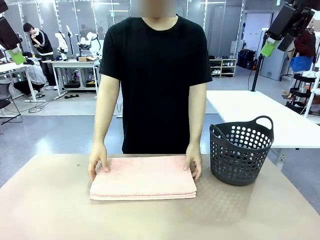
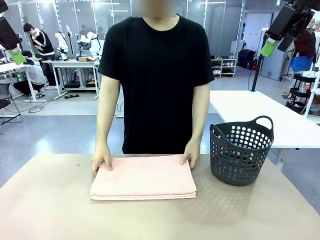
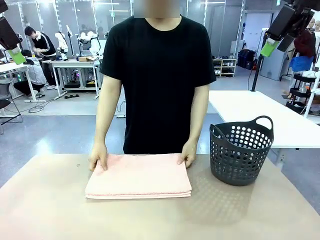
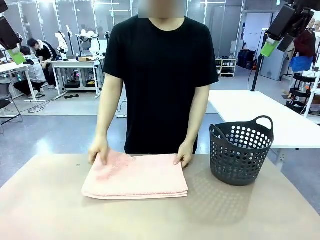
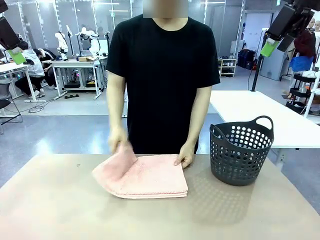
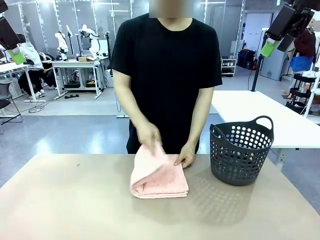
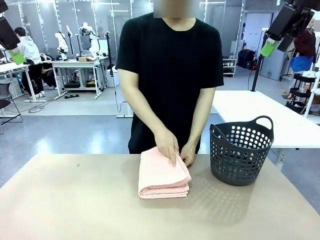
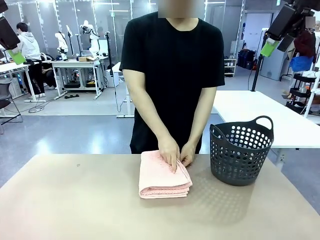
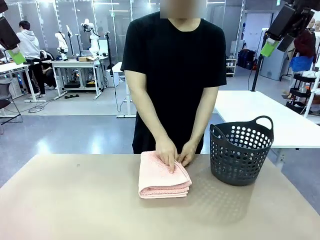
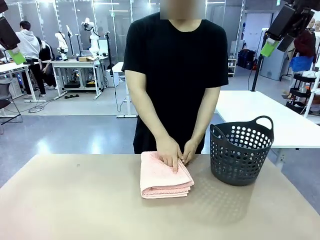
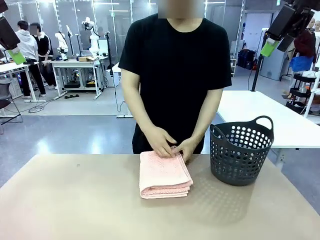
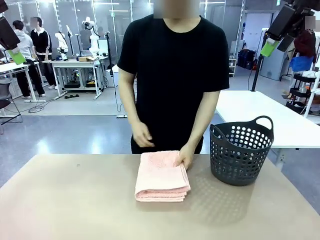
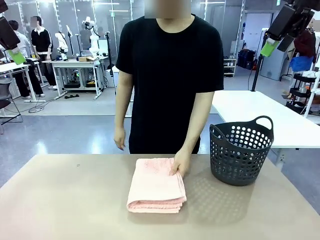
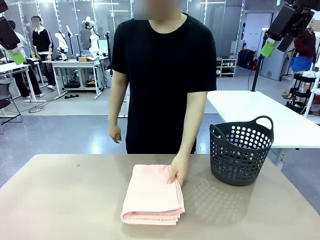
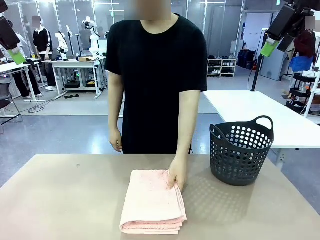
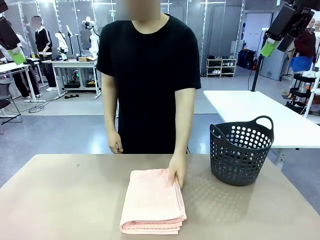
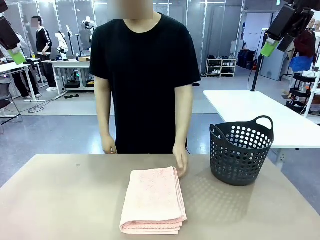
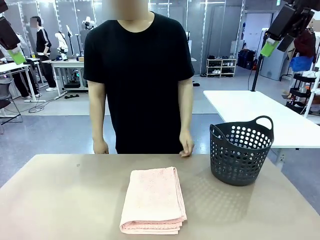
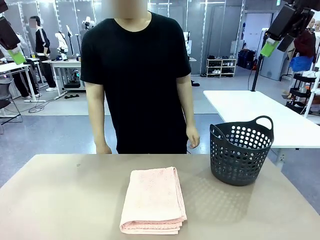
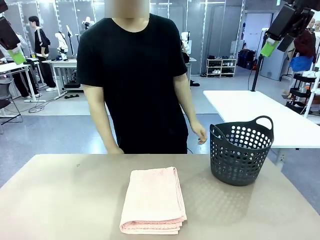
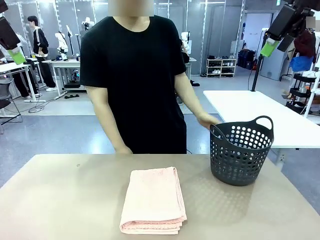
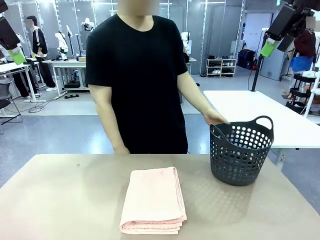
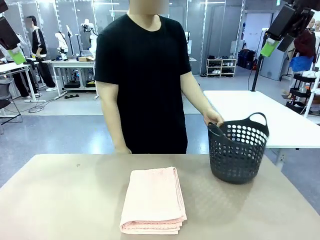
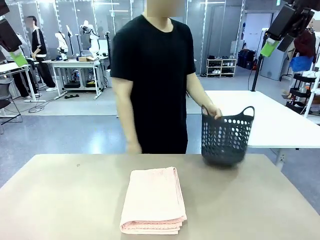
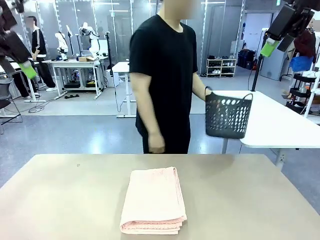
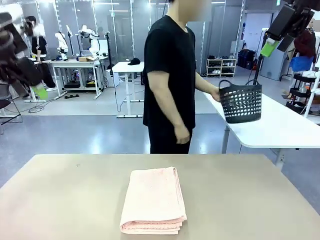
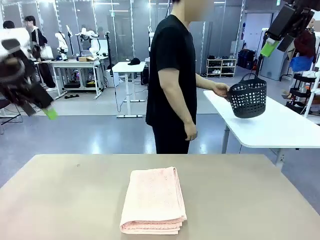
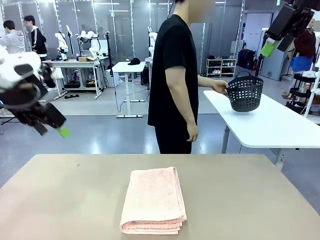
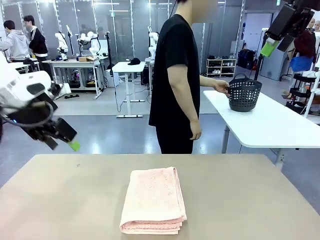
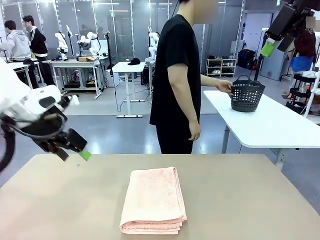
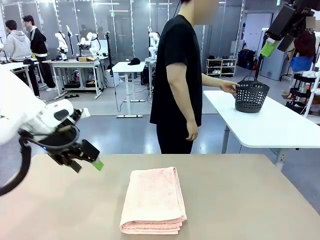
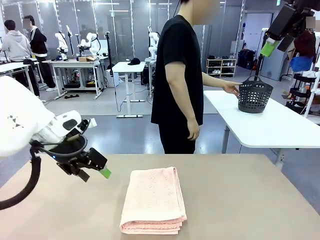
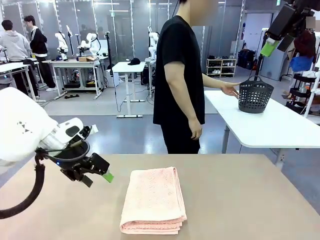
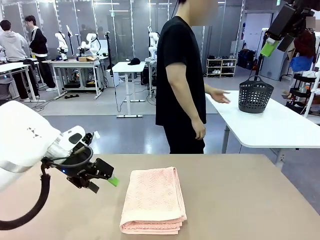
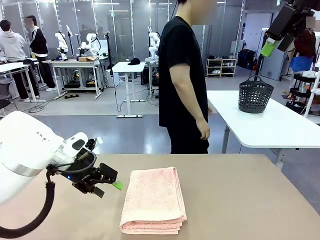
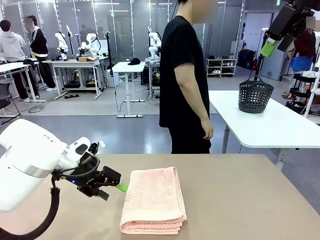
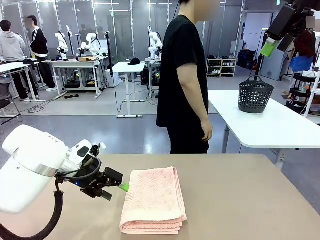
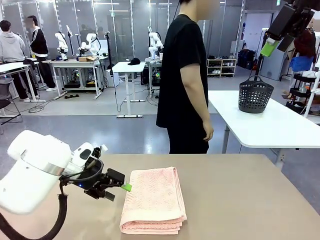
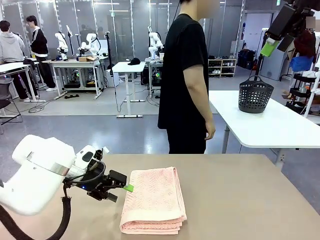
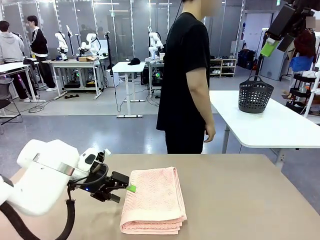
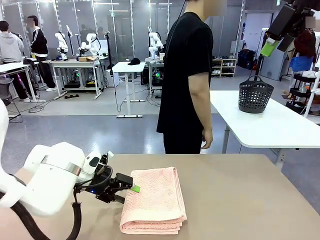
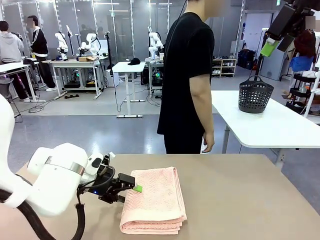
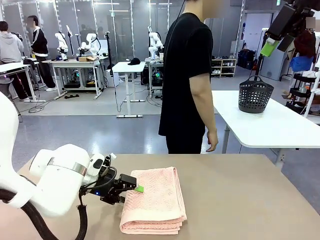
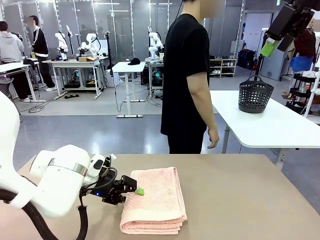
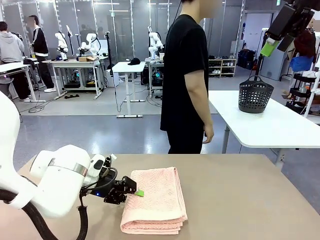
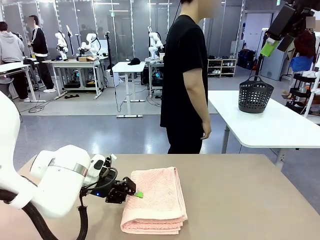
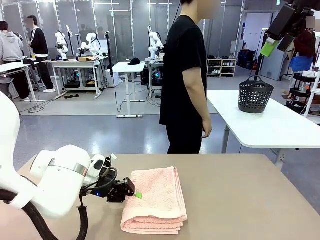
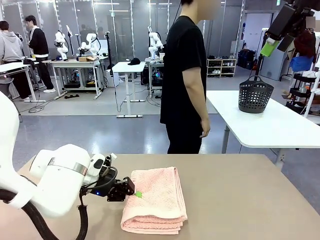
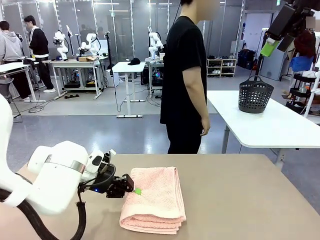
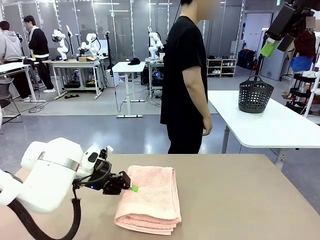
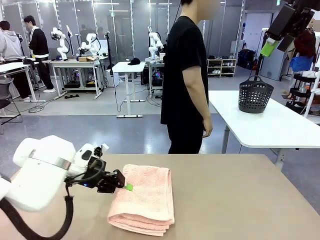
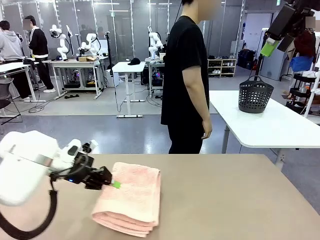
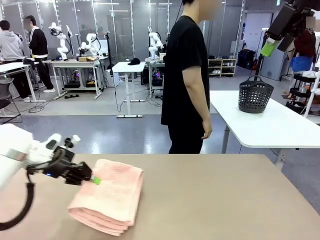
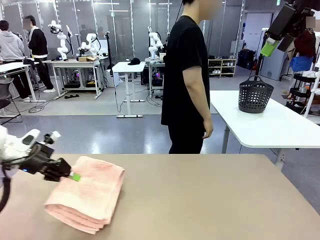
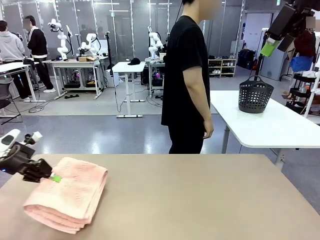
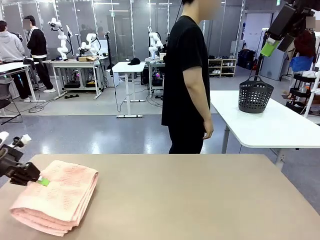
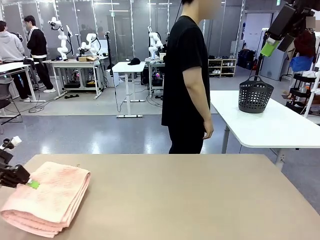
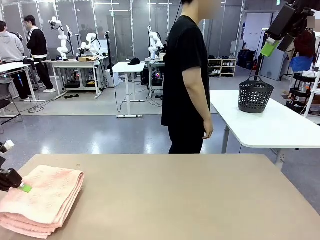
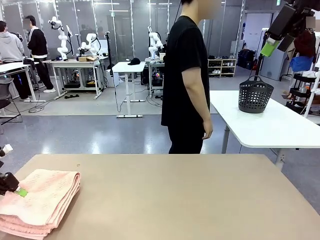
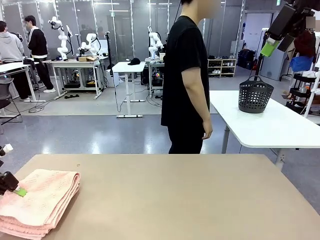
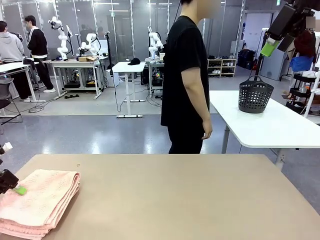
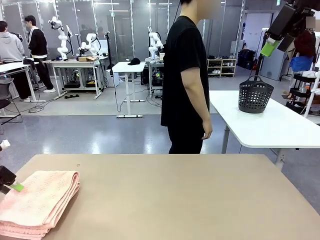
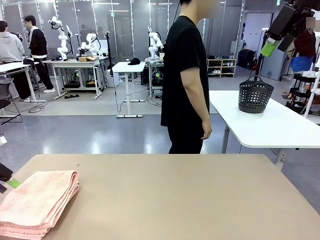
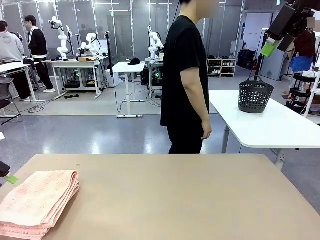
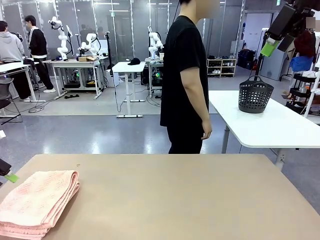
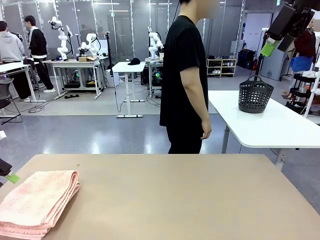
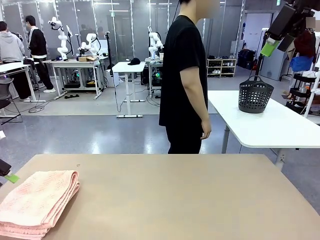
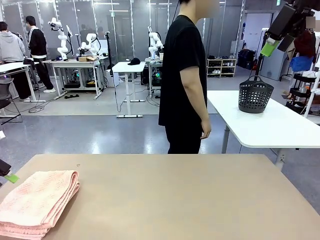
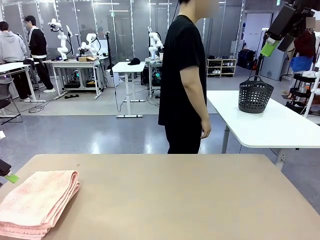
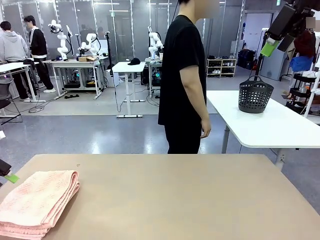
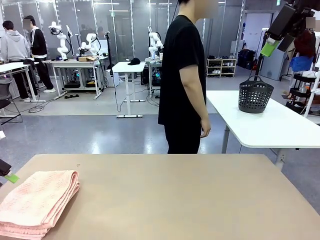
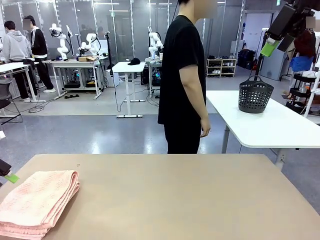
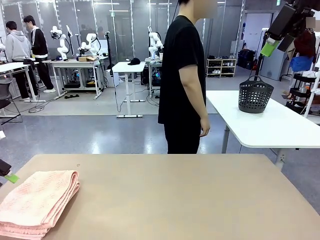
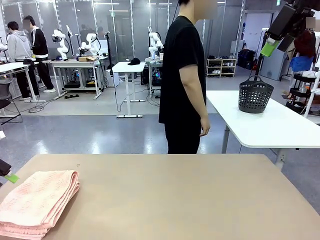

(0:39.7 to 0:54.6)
Task: Fold the towel.
Robot: Pick up the 100 cm Hotel Towel and place it on the left side of the table.
Person: Pick up the laundry basket and place it at the center of the human table.

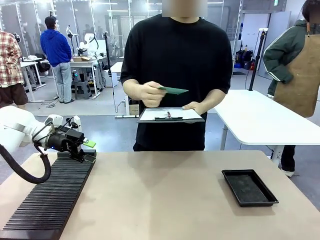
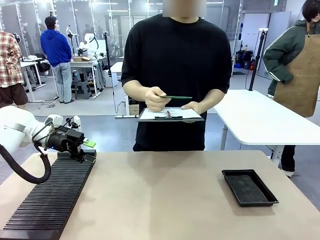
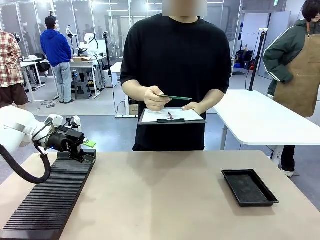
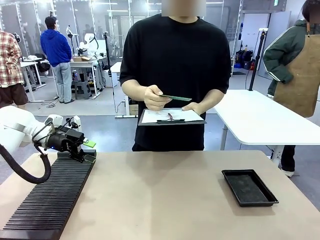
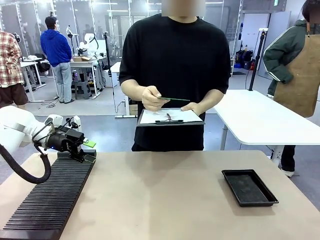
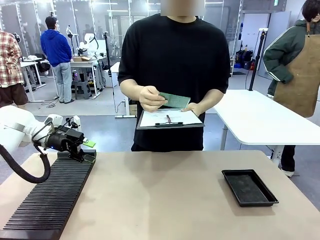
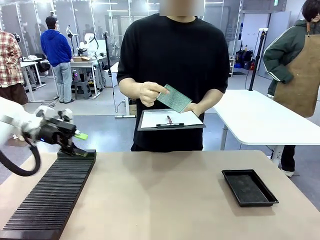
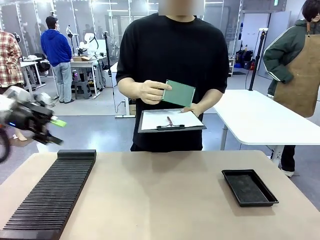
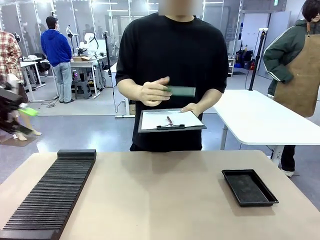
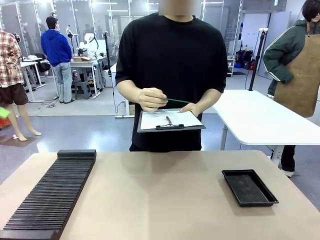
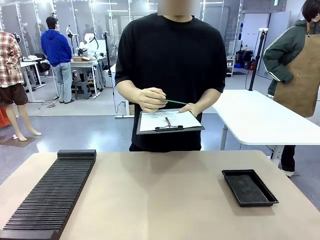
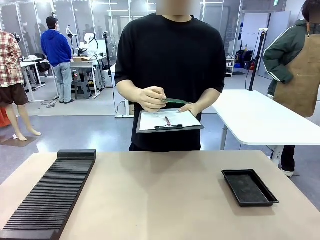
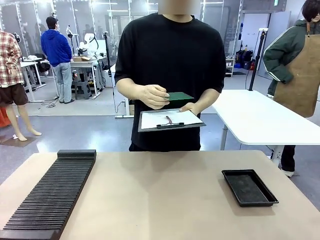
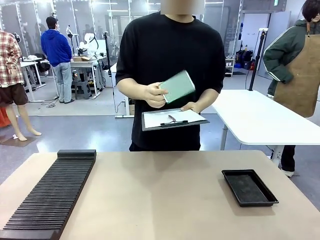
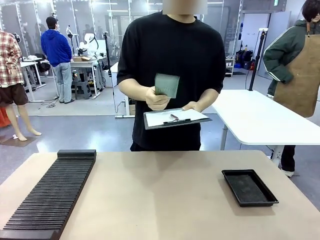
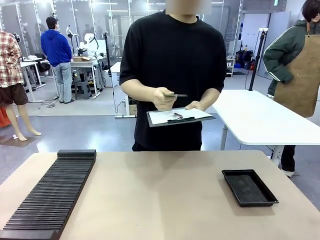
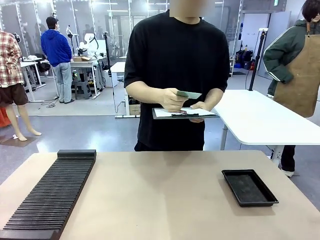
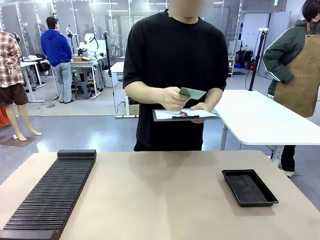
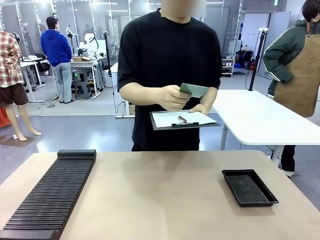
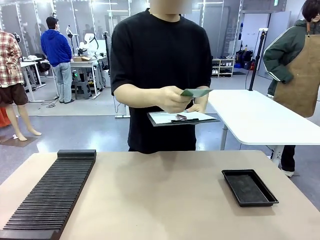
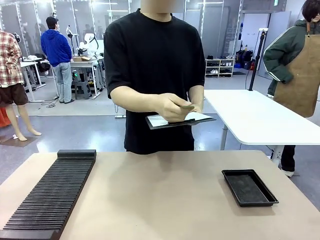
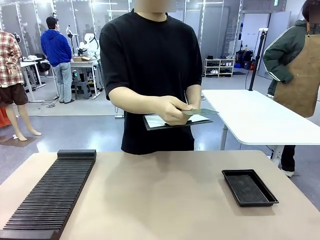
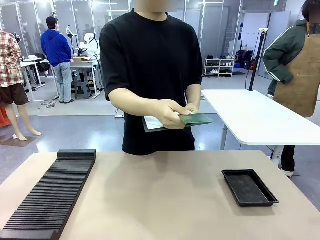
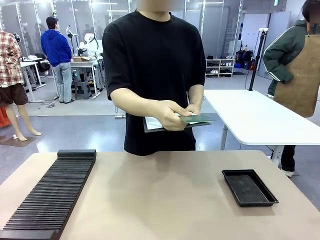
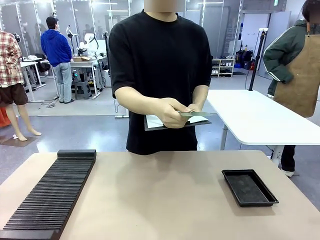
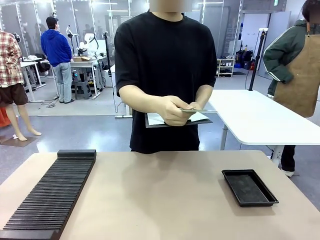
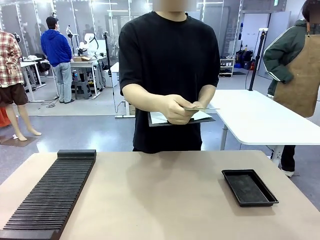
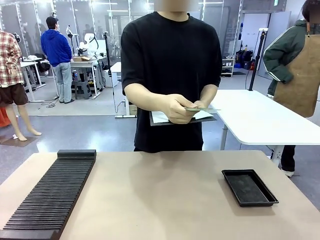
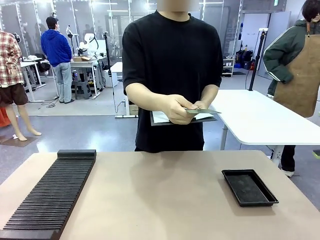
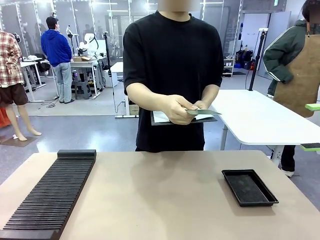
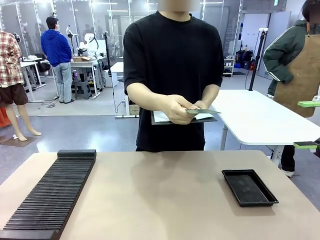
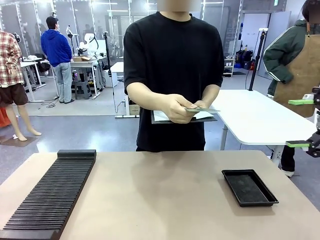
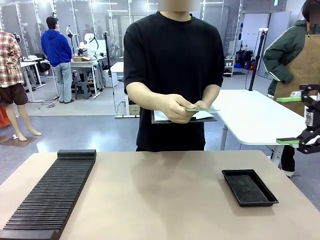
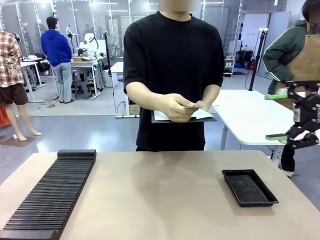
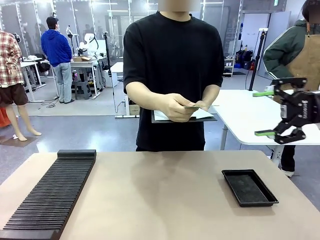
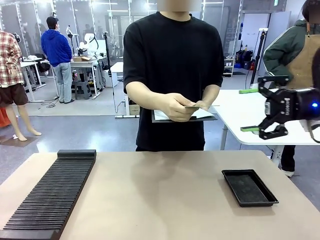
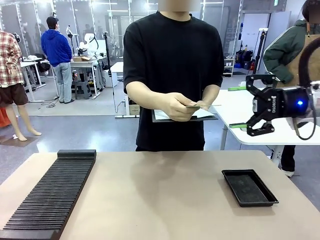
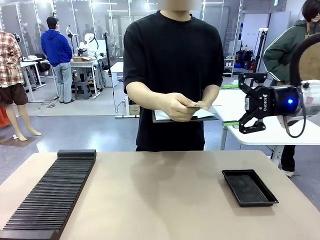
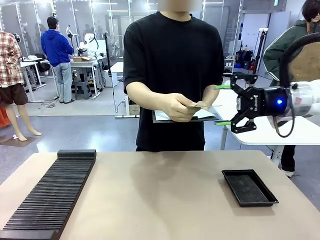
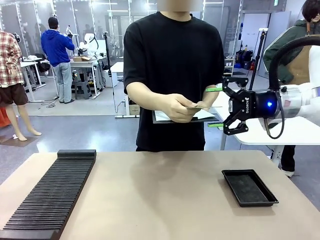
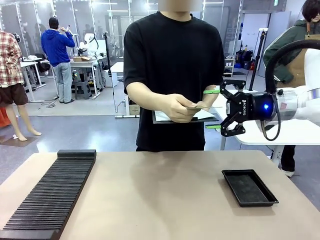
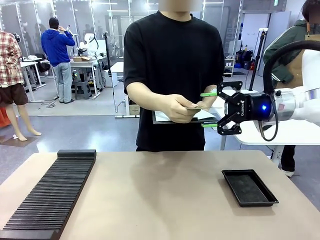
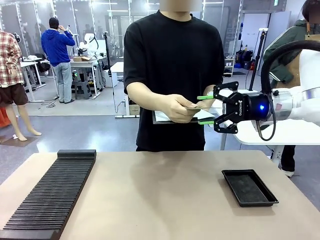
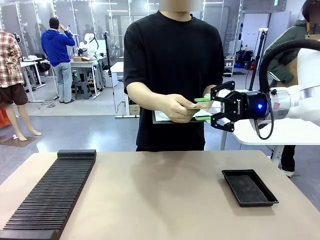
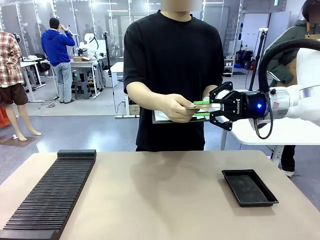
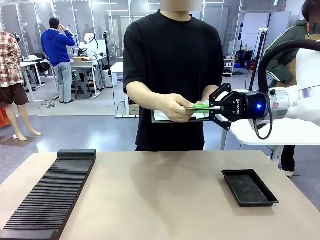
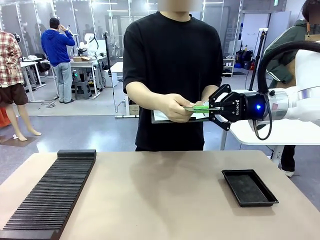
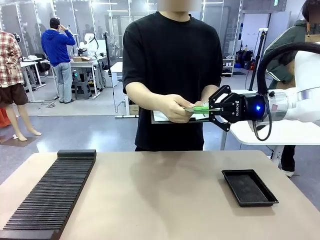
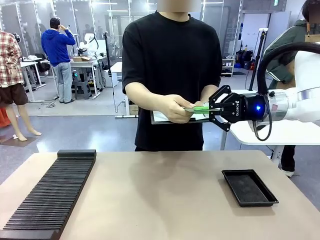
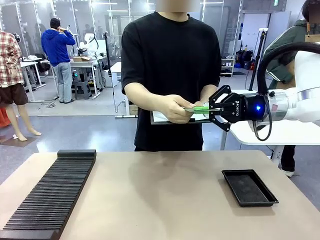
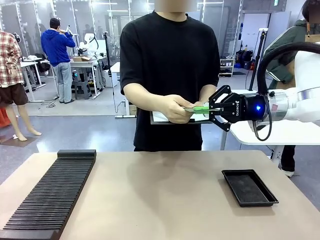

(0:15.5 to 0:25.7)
Task: Inspect the PCB.
Robot: Pick up the Blank PCB that the human is holding.
Person: Inspect the PCB placed by the robot, then hold it out in front of the robot. Release the PCB you were holding.
